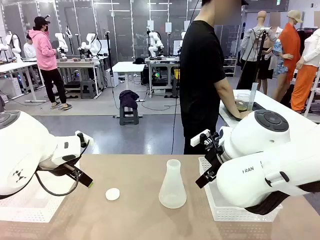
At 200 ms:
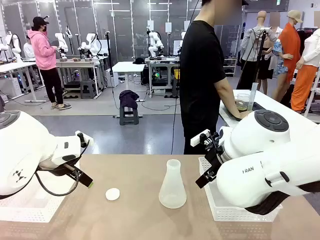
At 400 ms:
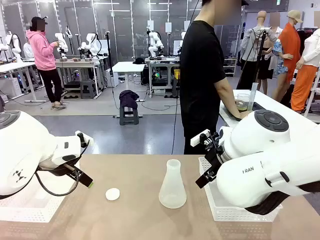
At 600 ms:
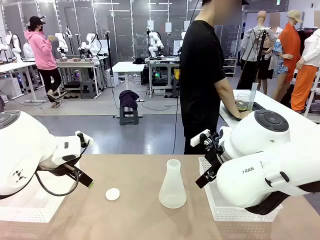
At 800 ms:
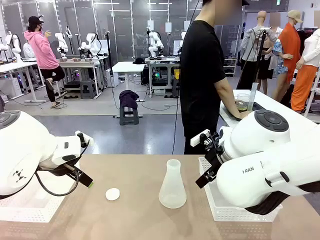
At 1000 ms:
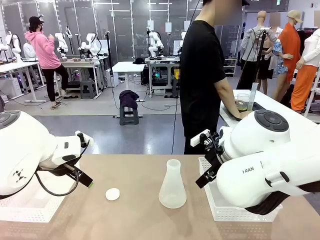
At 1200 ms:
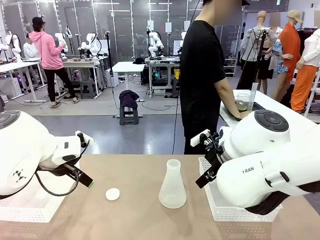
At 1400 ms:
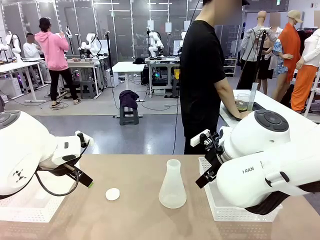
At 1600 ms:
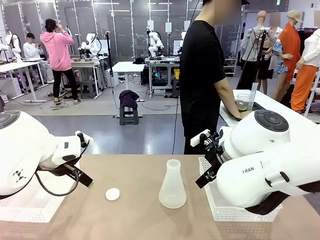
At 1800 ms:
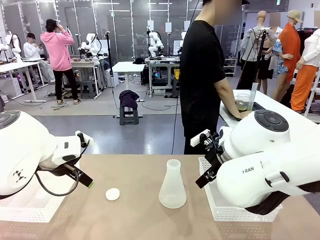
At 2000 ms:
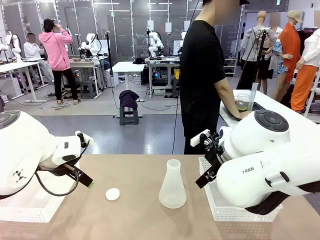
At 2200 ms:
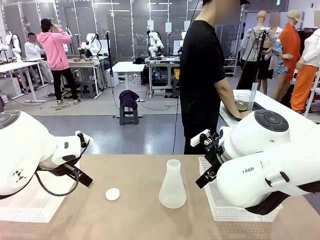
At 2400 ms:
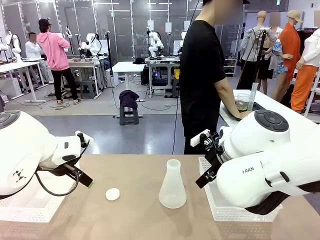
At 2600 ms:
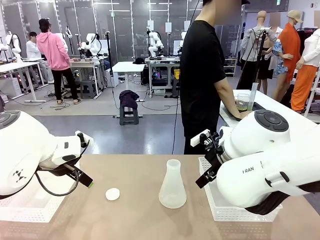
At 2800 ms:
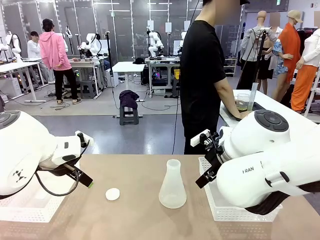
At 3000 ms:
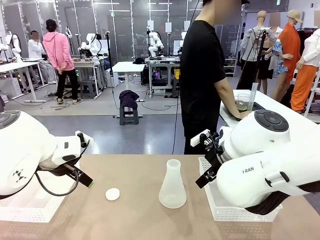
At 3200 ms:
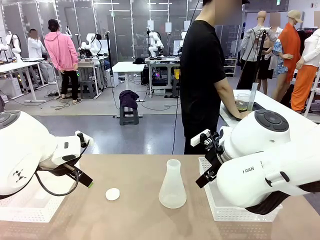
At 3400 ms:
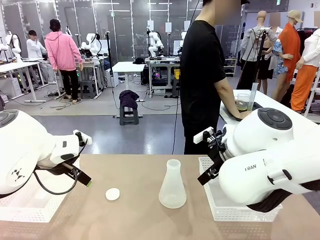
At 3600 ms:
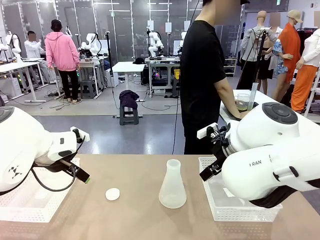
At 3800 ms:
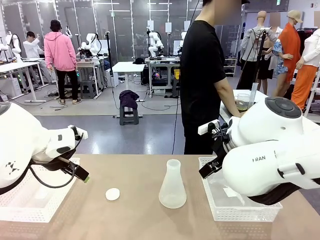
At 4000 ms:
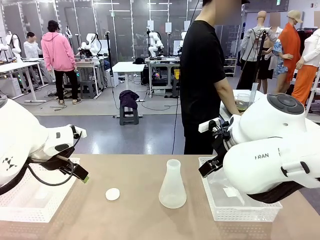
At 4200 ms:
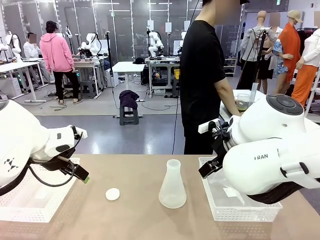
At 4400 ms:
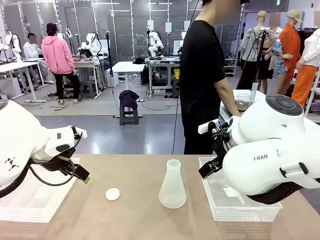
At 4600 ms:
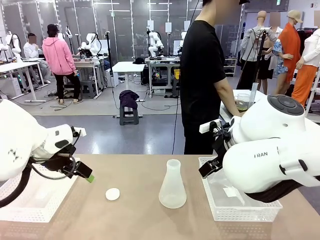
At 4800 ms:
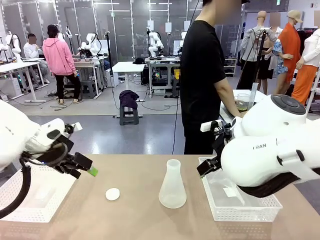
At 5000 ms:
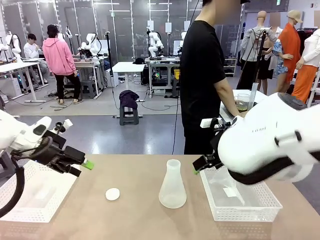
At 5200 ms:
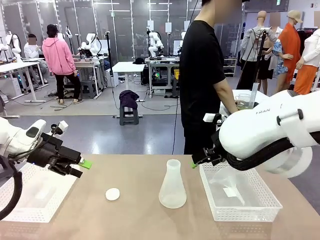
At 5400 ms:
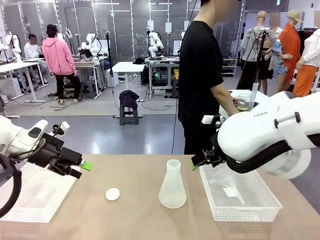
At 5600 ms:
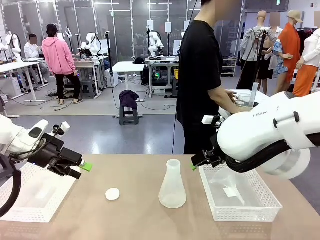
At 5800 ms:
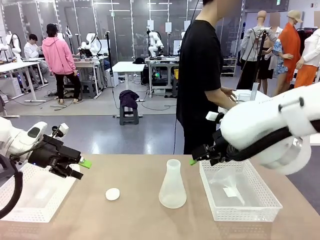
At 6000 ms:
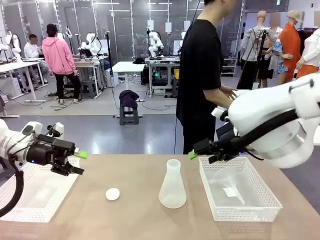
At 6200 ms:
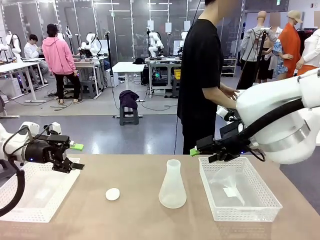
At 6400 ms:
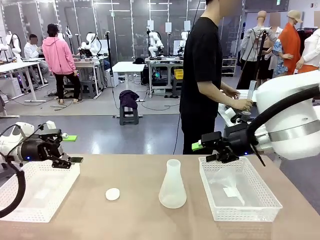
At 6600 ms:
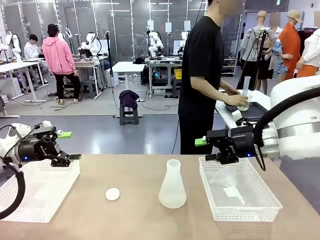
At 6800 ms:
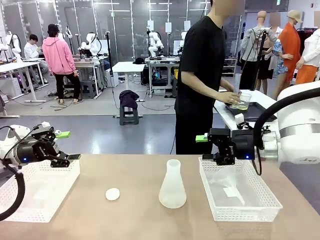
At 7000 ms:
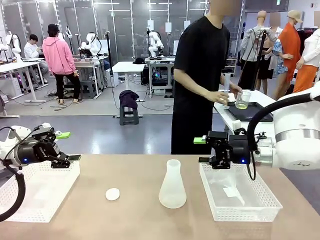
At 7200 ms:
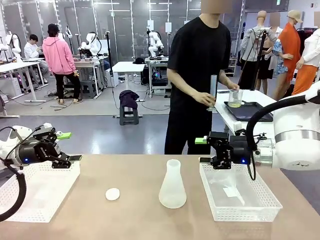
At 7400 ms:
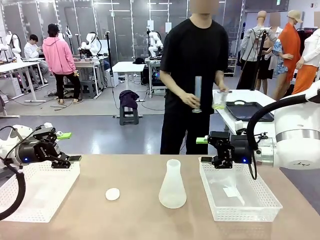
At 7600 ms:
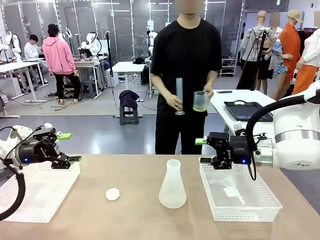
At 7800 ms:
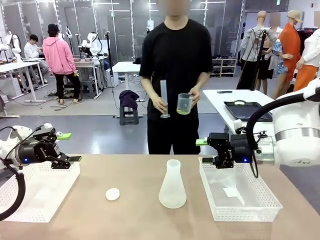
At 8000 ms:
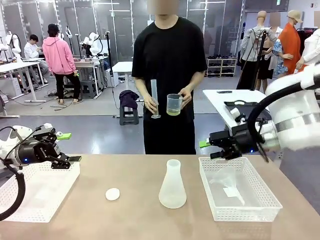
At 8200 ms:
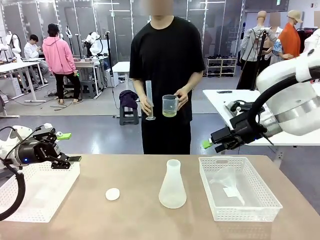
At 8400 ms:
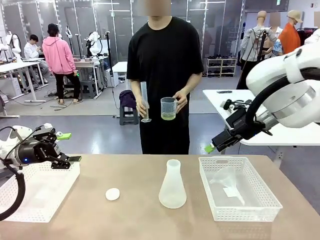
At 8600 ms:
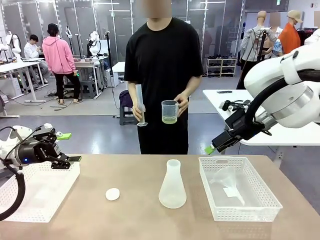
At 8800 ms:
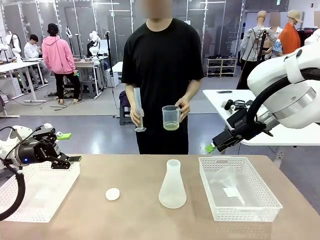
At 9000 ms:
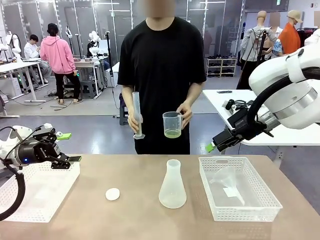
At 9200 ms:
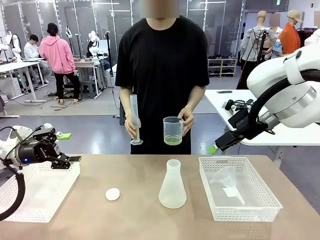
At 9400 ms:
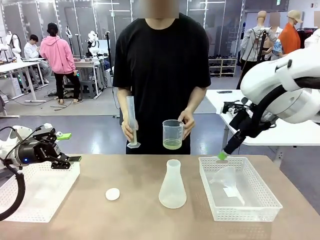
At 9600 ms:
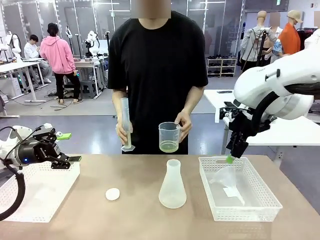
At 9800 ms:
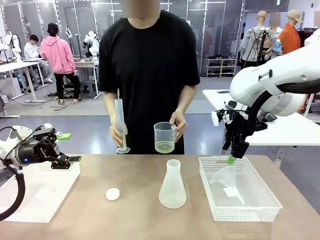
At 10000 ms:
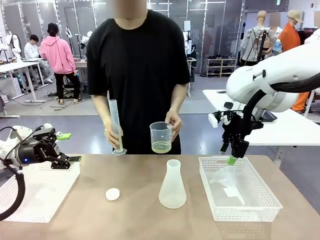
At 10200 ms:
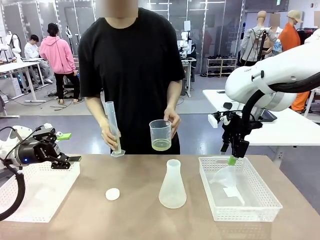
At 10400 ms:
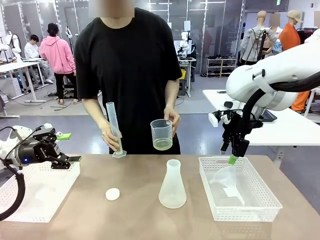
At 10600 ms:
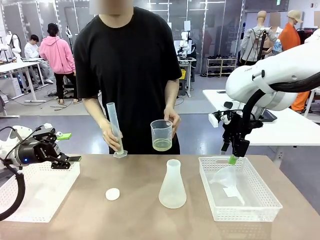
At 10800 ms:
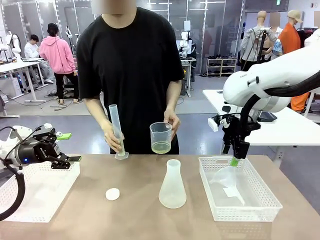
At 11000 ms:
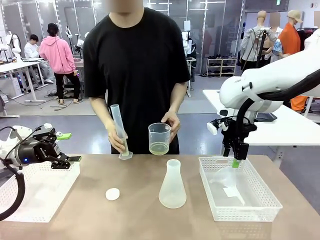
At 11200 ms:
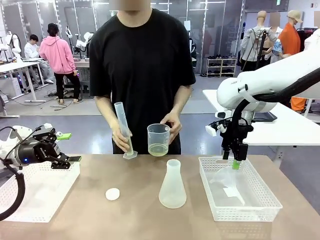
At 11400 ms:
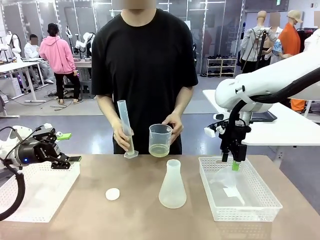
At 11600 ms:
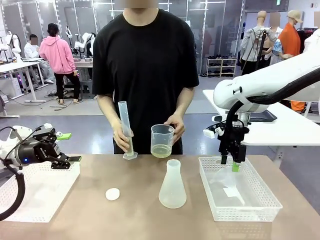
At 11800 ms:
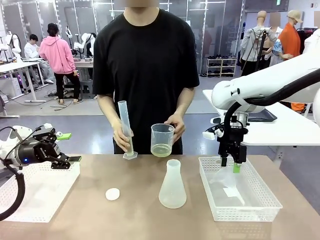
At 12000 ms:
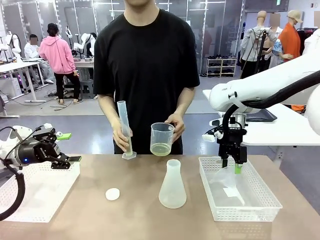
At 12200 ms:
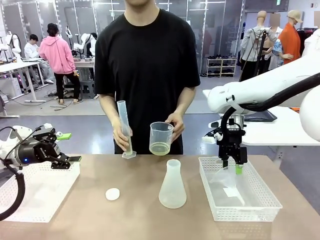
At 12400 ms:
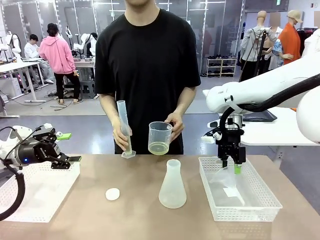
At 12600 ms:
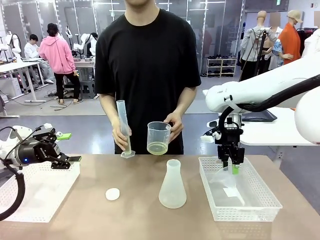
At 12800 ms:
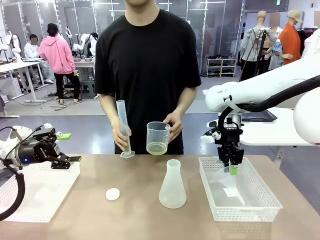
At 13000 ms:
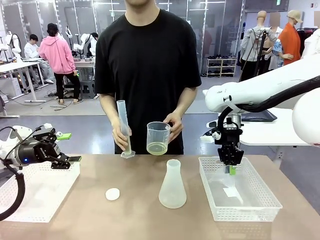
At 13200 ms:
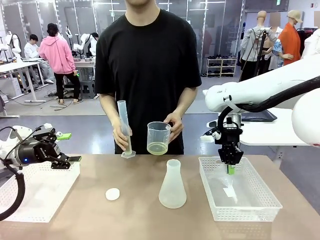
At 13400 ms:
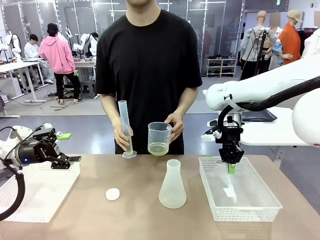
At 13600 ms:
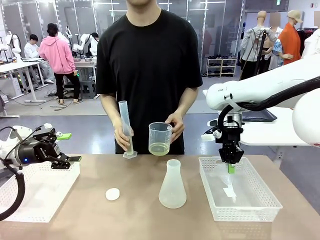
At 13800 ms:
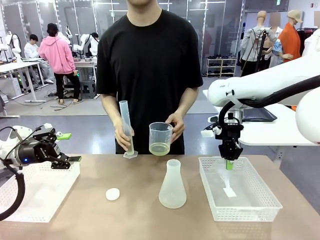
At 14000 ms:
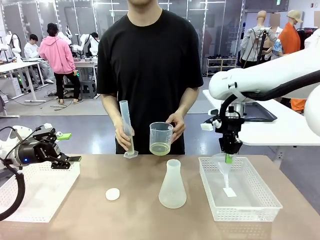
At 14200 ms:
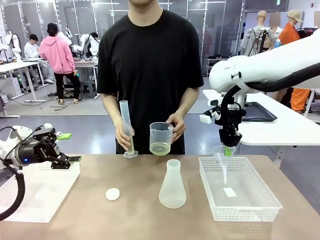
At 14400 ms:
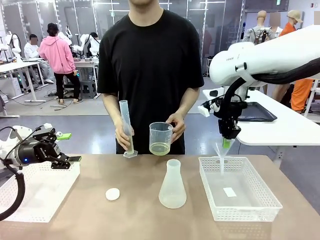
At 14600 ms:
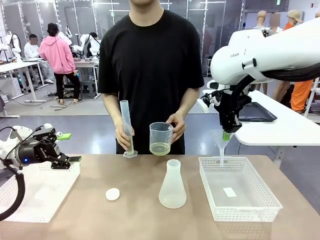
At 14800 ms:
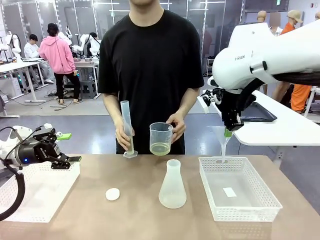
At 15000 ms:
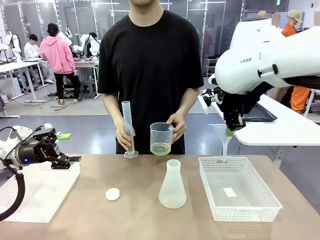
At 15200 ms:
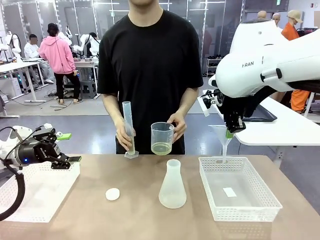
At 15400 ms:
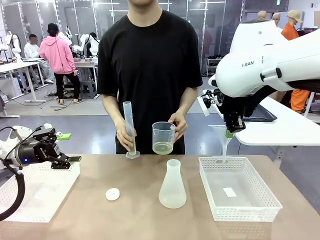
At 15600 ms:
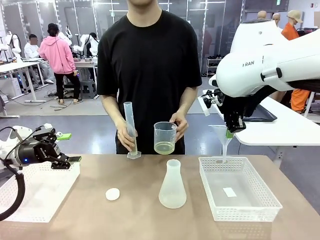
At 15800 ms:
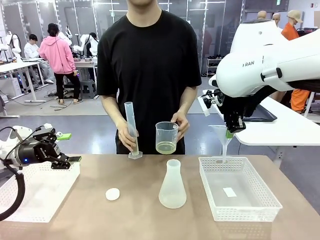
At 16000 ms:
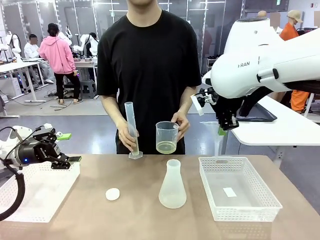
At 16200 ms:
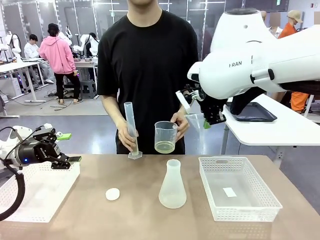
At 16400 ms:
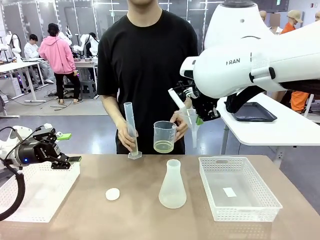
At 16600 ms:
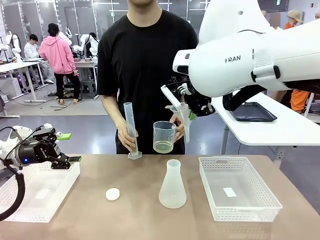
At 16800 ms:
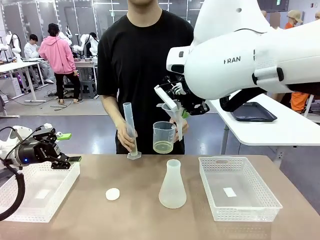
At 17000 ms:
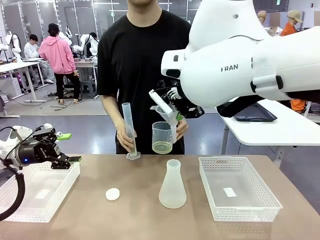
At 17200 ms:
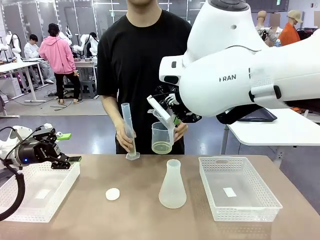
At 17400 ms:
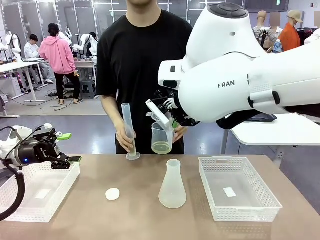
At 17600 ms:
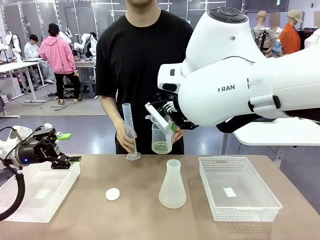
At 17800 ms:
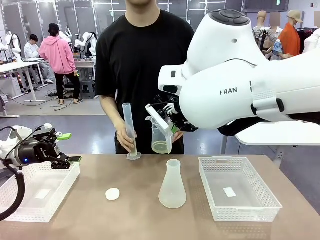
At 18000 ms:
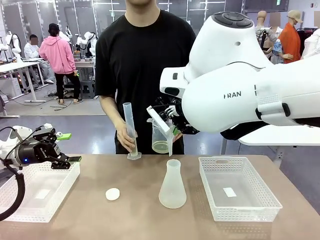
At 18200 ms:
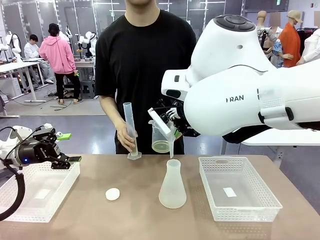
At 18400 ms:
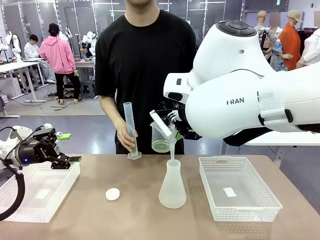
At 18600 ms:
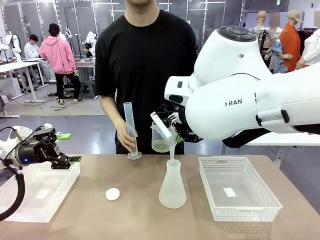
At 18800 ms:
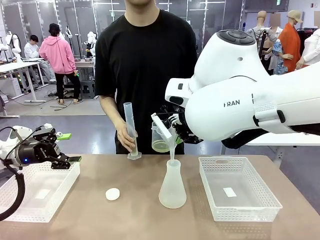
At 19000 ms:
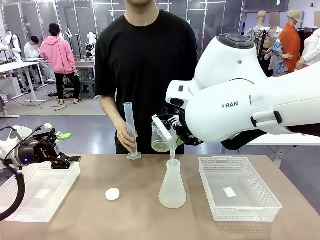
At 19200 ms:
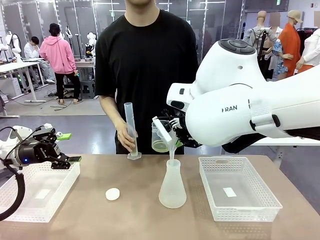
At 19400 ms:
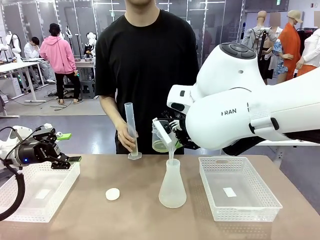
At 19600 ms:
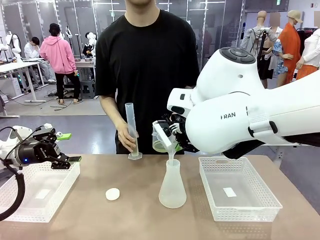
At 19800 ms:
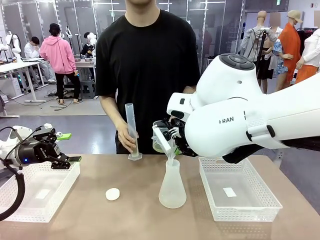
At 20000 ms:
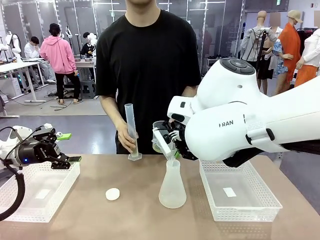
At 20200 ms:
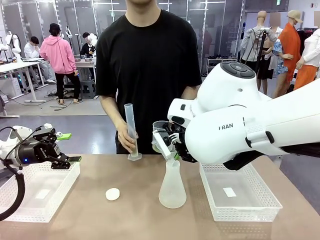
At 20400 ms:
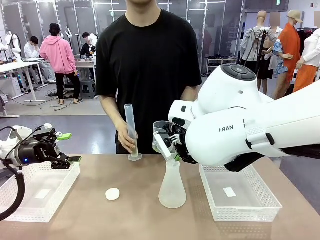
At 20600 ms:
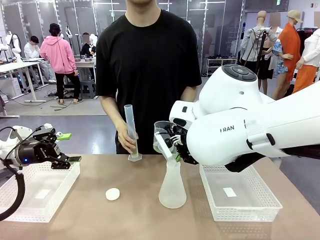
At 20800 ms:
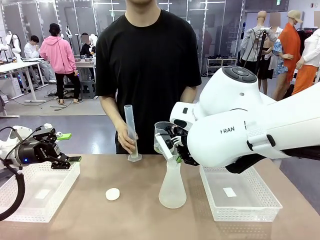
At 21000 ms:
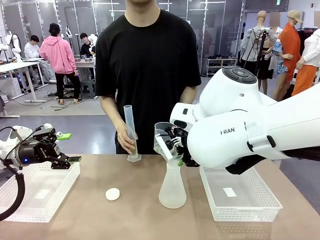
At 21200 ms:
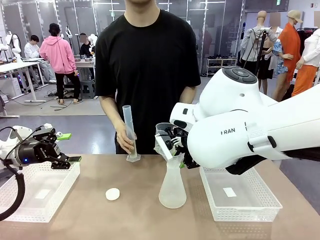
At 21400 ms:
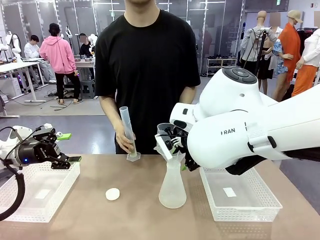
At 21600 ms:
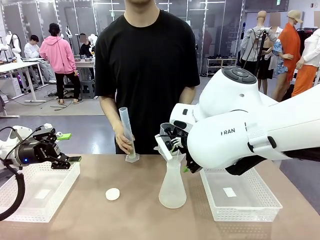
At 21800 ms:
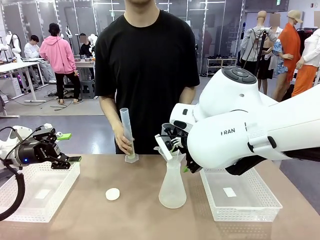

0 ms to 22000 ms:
Task: Prepare the solutions needed for the experiment.
Robot: Pick up the Plastic Funnel and insert it into the Big flask.
Person: Pick up the beaker and the cylinder and move to the middle of the robot table. Pour the solution from the beaker and the cylinder into the flask.
